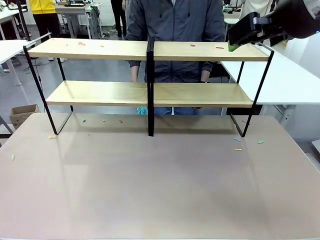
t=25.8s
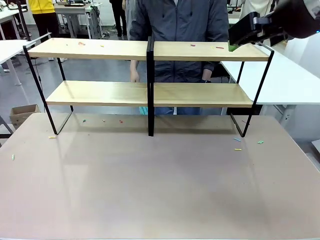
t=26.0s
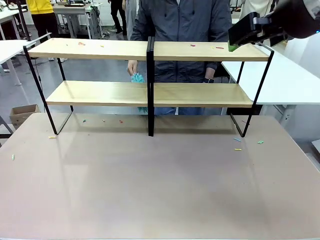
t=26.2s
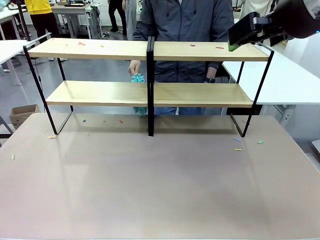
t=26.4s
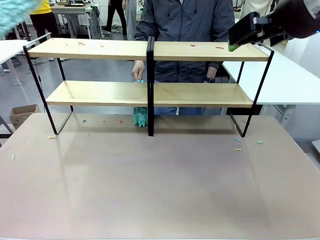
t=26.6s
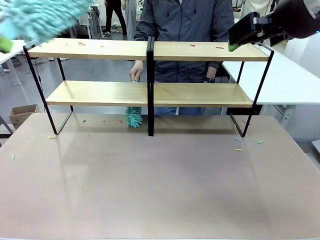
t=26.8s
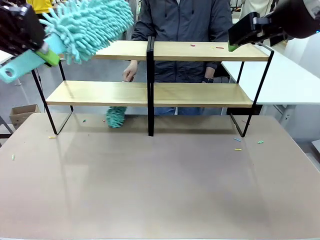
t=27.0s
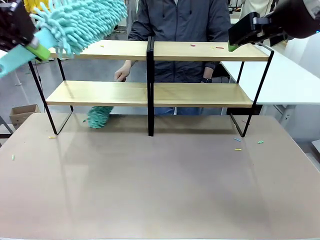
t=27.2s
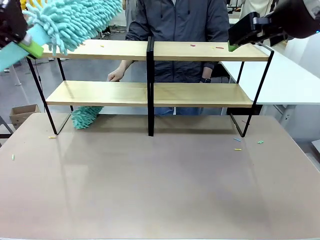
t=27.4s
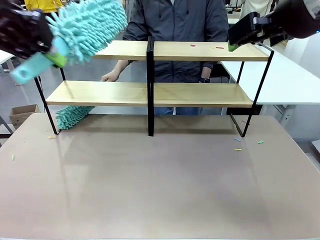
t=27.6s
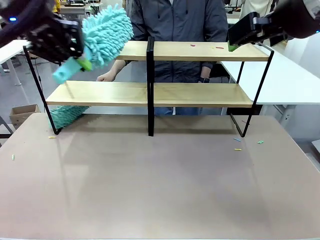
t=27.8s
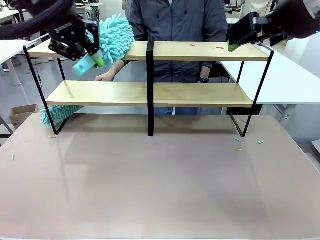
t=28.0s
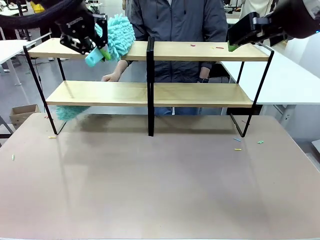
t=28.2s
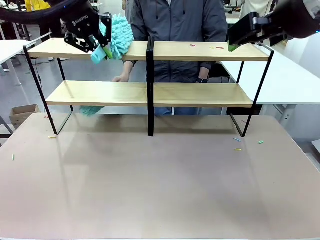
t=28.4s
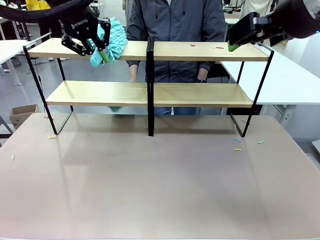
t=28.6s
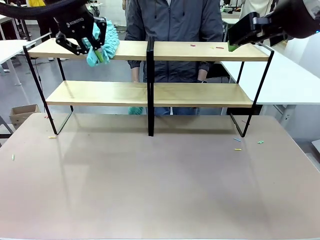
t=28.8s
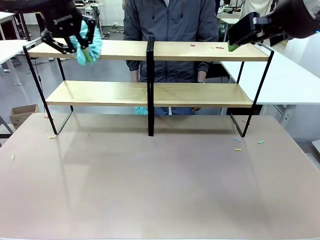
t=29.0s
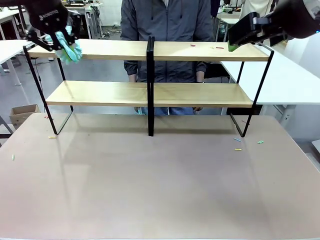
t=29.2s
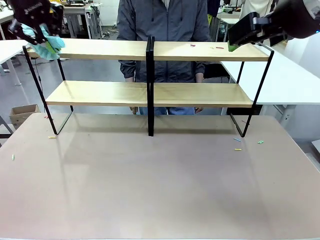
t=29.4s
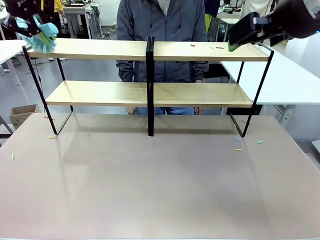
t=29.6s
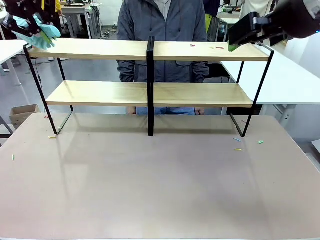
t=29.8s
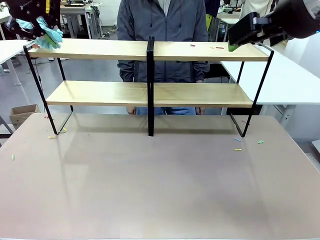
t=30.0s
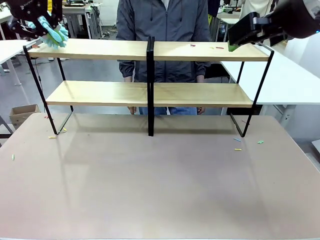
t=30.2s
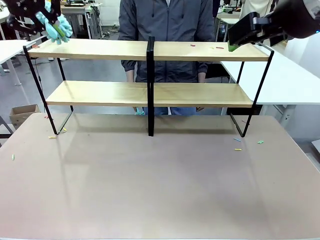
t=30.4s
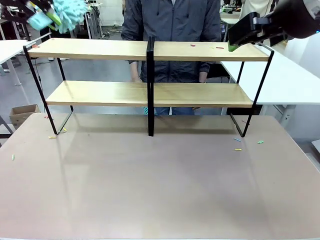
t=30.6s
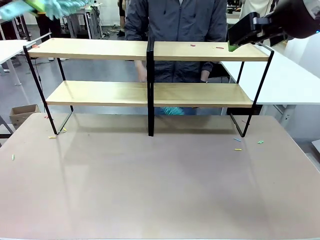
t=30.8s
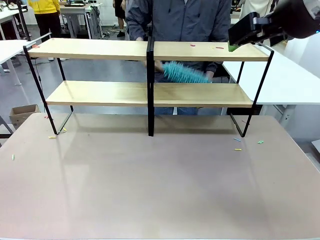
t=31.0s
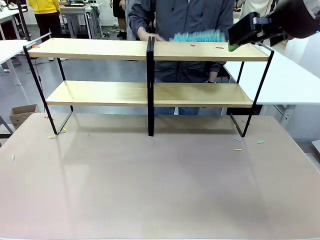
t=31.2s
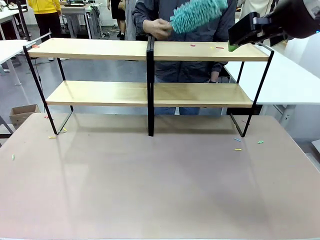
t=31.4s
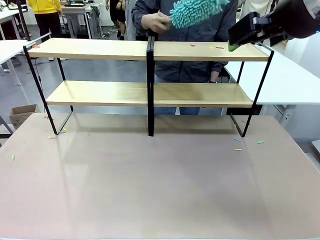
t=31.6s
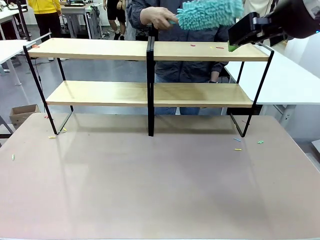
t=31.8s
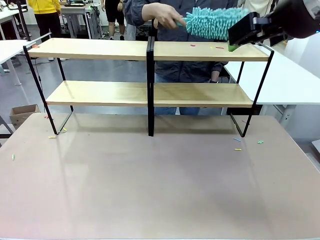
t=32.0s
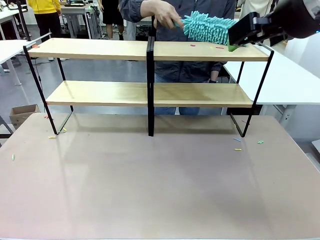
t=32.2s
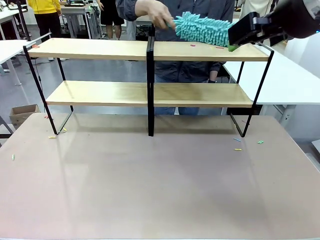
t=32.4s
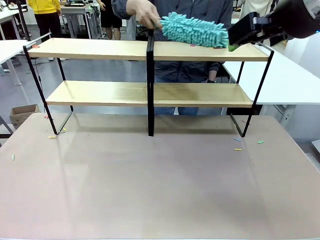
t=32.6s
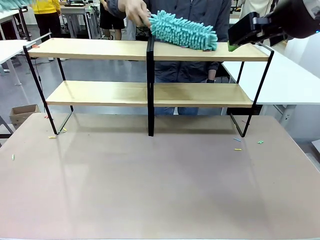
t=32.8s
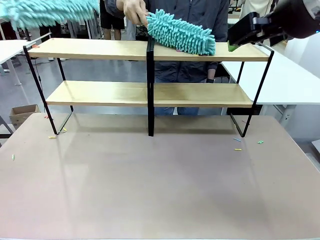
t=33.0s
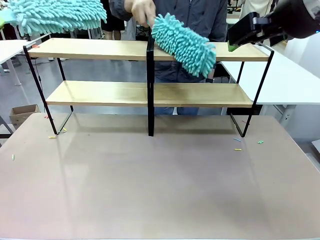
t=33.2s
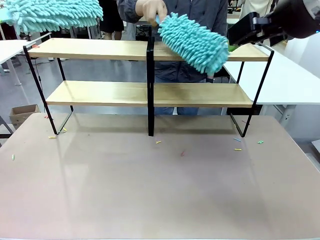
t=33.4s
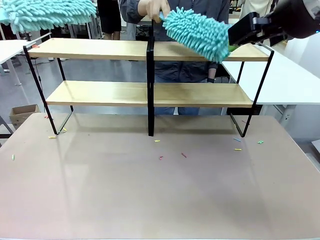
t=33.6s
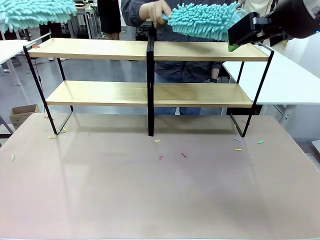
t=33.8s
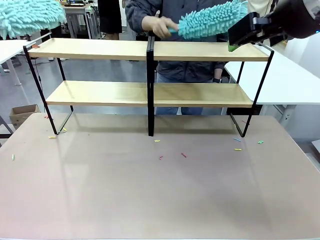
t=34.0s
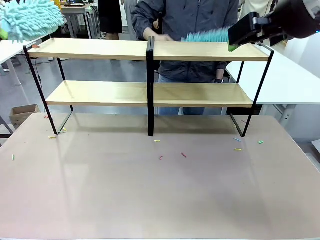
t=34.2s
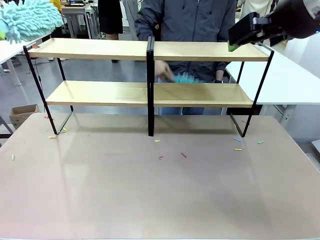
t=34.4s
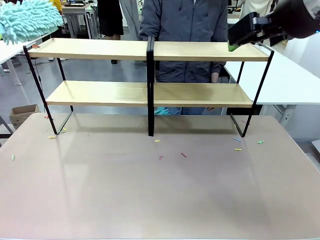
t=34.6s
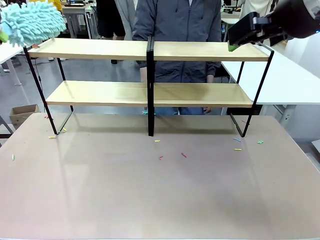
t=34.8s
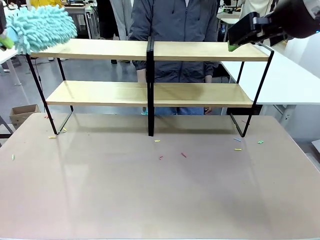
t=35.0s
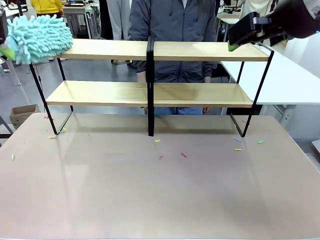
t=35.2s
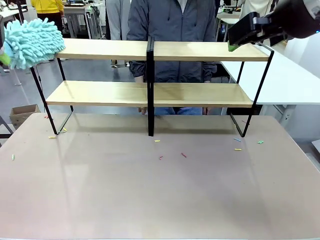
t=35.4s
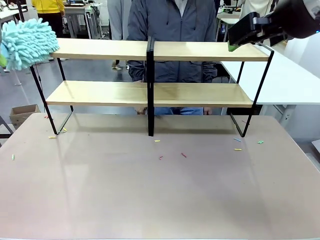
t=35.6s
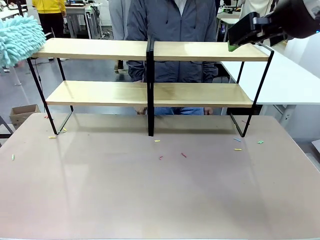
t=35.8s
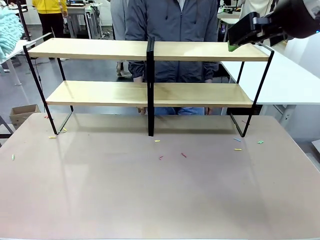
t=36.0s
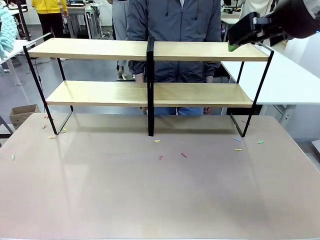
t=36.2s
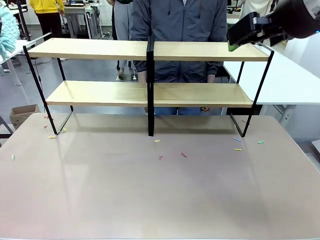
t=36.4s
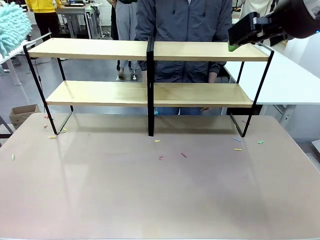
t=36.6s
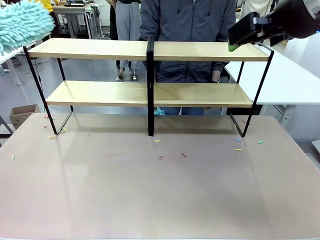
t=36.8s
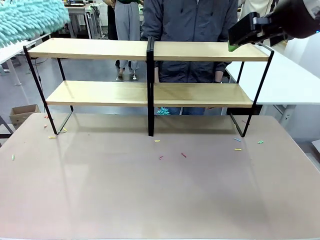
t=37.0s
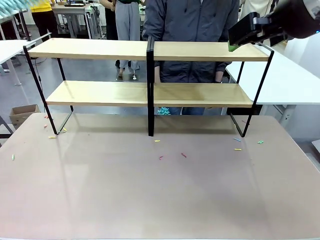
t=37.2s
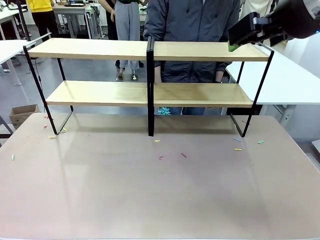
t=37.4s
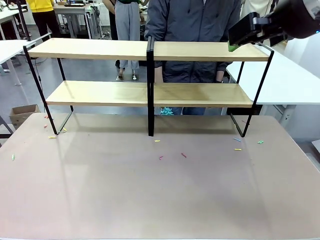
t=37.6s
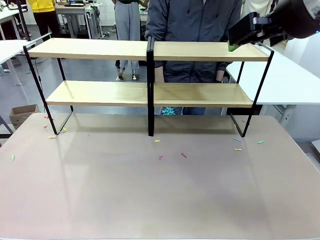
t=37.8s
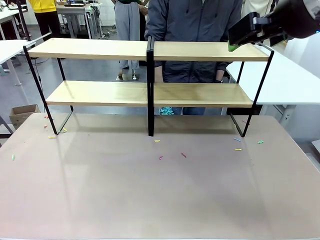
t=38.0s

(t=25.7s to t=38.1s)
Task: Clean the shelves.
Robot: Clean another randomly selected level of the Shelf with the Duster.

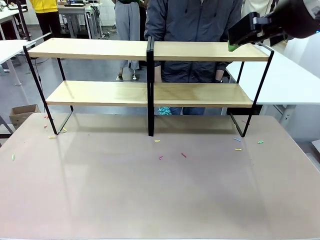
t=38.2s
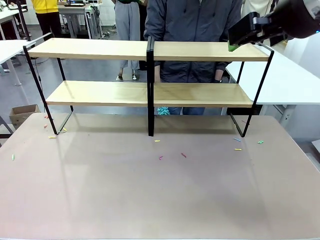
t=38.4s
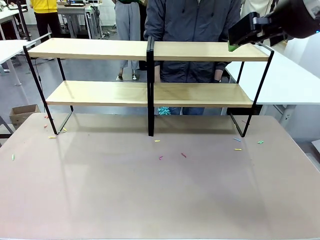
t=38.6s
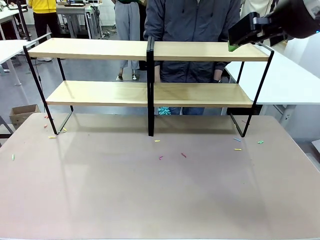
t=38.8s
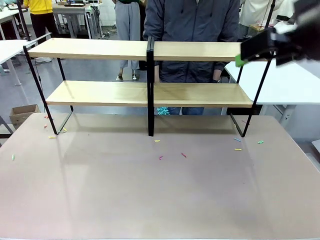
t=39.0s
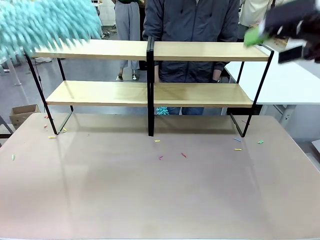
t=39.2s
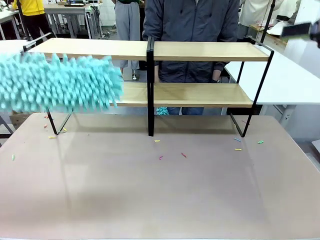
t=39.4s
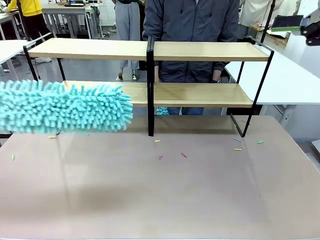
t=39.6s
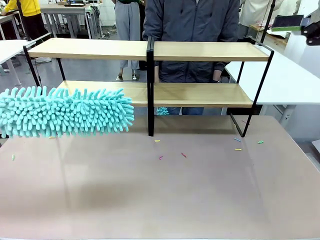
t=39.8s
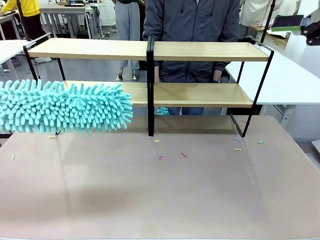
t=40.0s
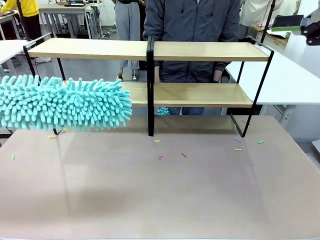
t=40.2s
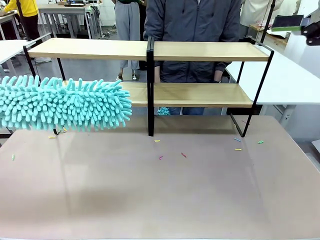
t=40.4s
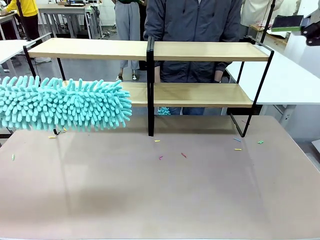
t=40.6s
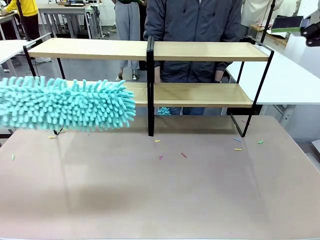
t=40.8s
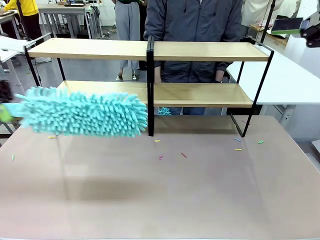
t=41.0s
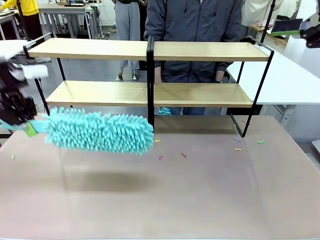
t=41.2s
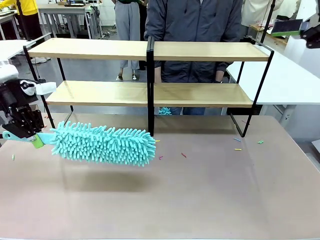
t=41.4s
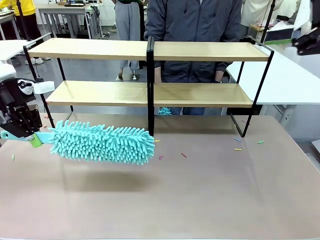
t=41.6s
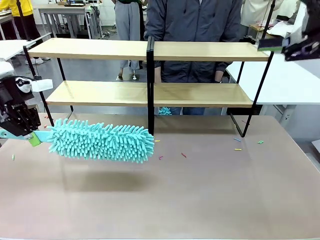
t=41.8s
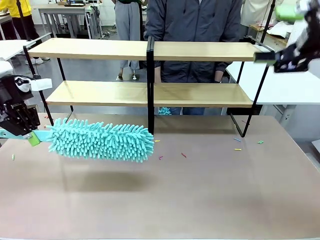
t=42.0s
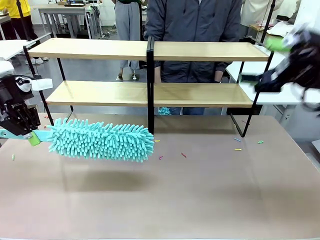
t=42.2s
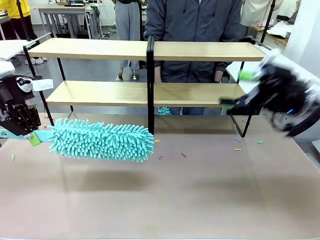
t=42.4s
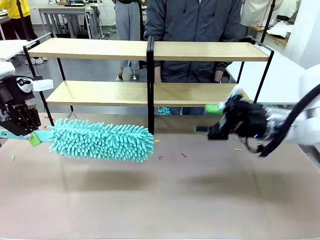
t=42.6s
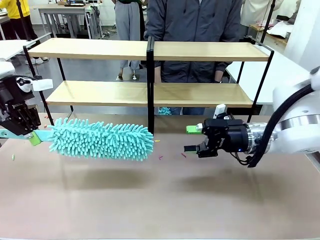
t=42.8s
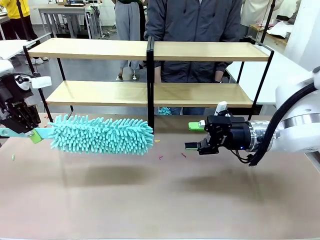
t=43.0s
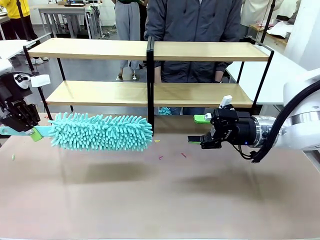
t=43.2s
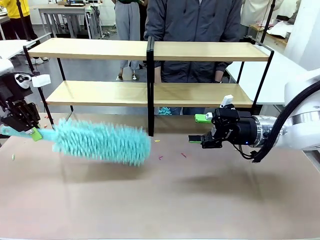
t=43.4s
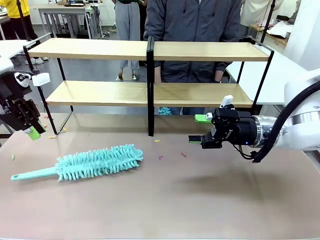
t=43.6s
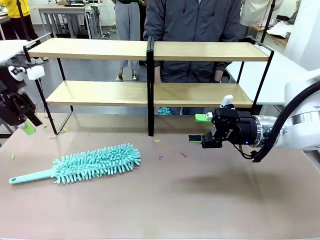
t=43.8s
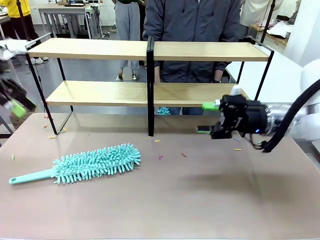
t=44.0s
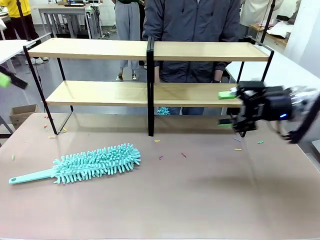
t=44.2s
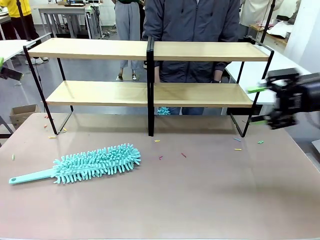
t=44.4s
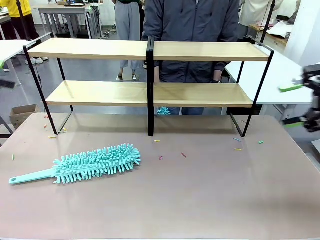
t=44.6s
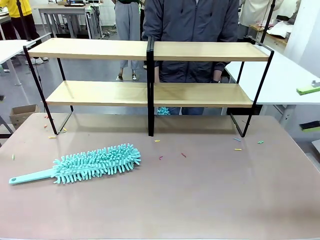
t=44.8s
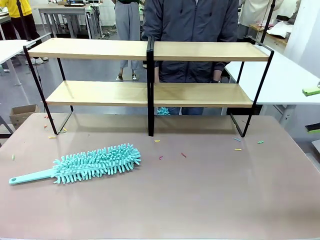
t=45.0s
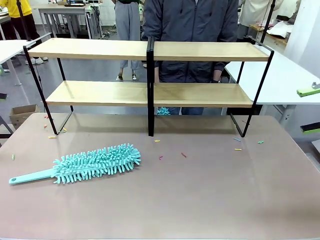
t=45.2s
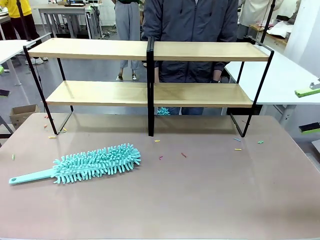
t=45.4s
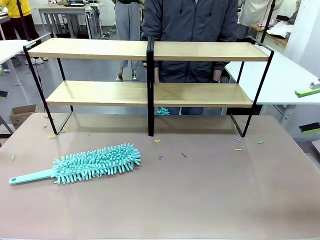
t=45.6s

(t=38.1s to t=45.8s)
Robot: Place the Duster on the table.
